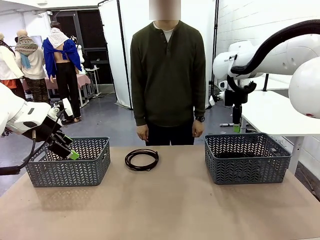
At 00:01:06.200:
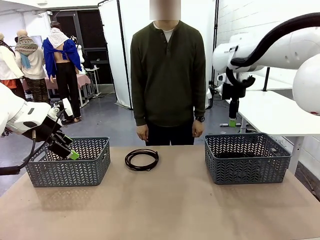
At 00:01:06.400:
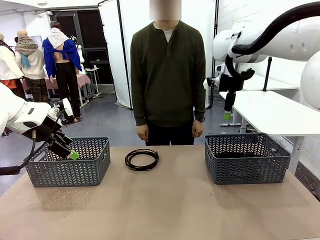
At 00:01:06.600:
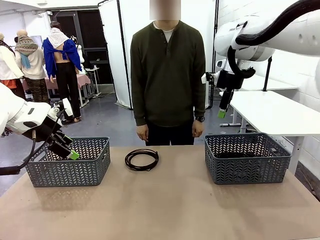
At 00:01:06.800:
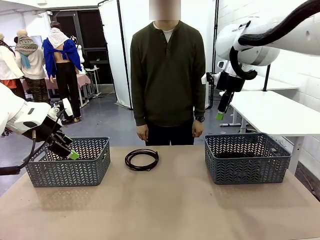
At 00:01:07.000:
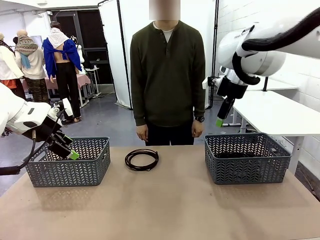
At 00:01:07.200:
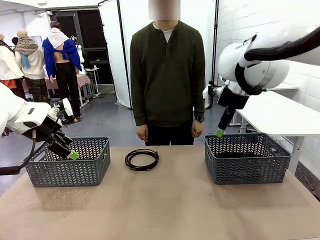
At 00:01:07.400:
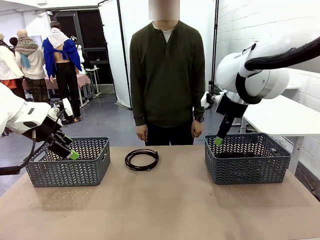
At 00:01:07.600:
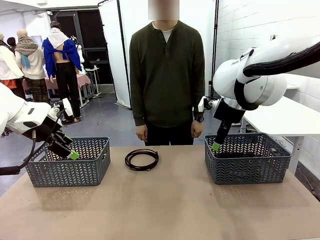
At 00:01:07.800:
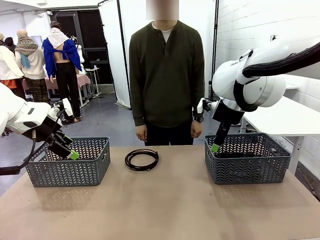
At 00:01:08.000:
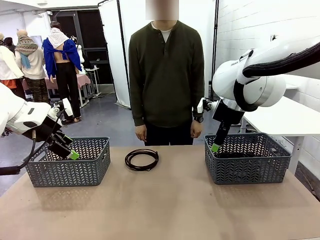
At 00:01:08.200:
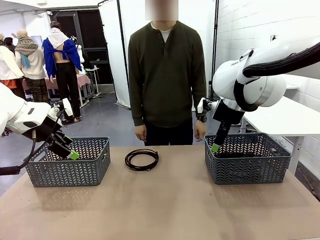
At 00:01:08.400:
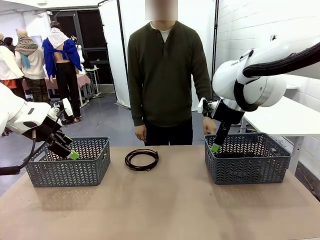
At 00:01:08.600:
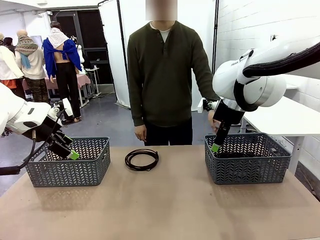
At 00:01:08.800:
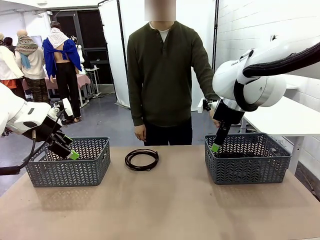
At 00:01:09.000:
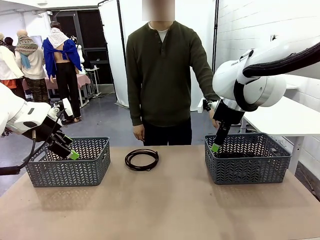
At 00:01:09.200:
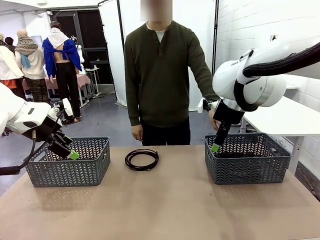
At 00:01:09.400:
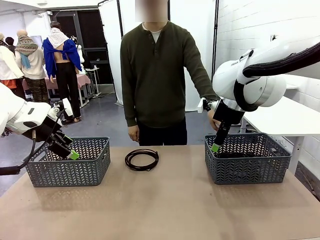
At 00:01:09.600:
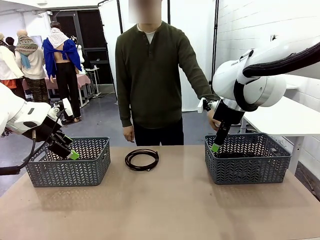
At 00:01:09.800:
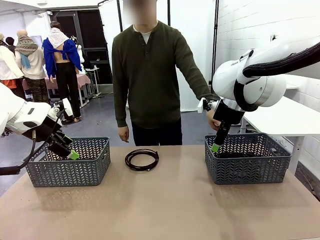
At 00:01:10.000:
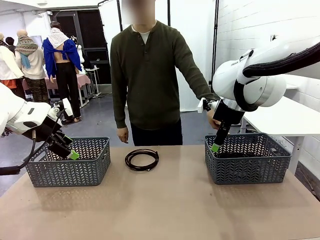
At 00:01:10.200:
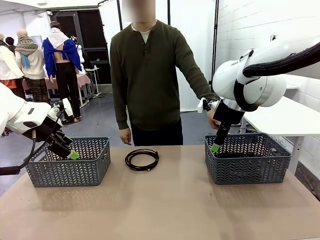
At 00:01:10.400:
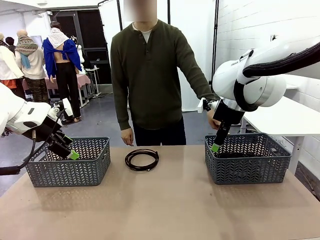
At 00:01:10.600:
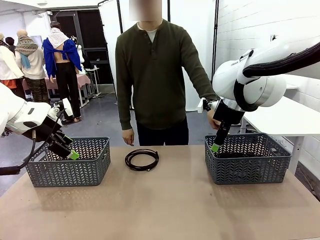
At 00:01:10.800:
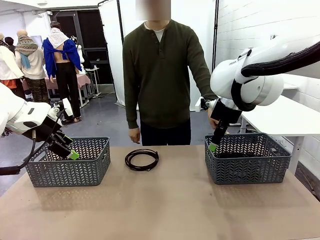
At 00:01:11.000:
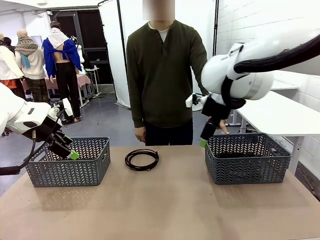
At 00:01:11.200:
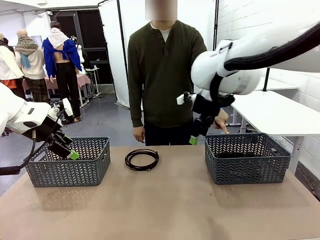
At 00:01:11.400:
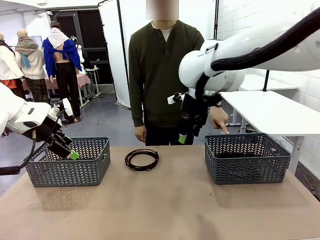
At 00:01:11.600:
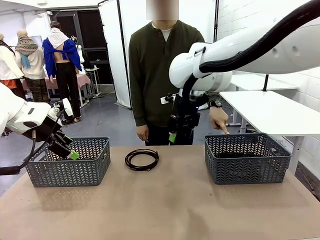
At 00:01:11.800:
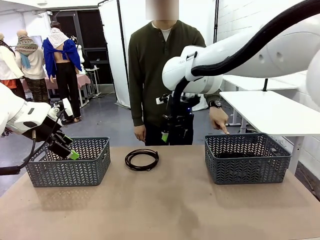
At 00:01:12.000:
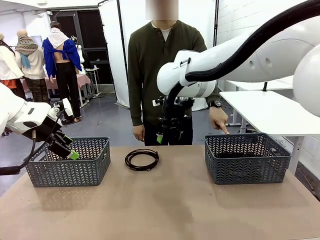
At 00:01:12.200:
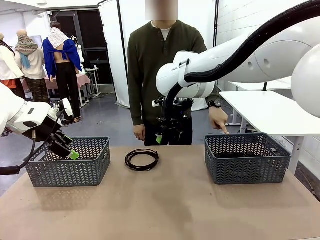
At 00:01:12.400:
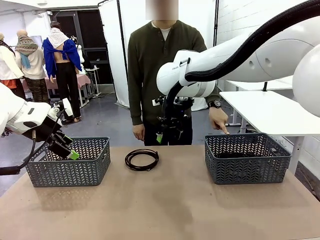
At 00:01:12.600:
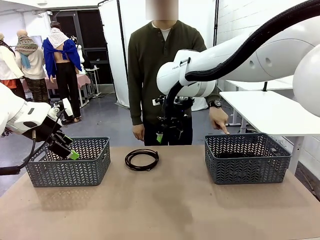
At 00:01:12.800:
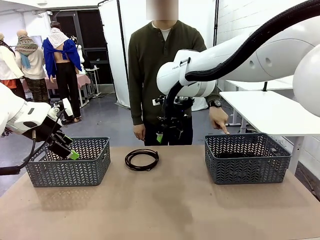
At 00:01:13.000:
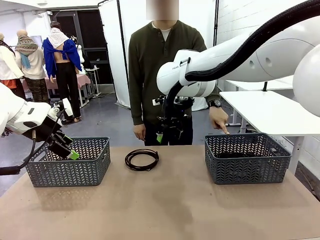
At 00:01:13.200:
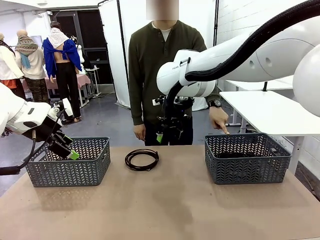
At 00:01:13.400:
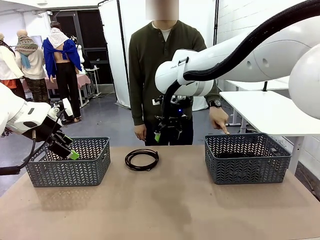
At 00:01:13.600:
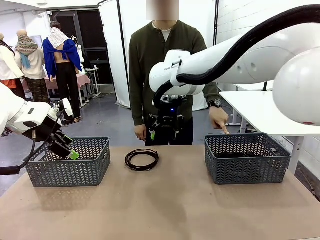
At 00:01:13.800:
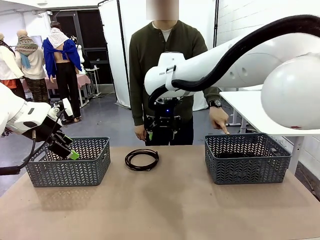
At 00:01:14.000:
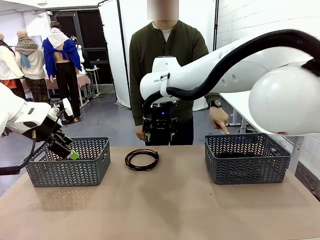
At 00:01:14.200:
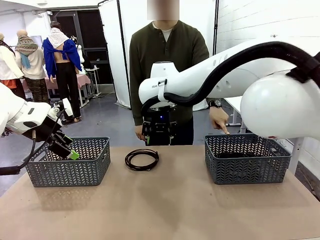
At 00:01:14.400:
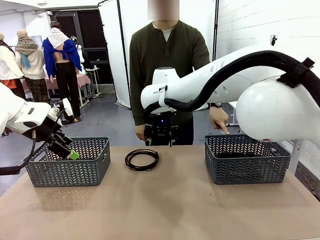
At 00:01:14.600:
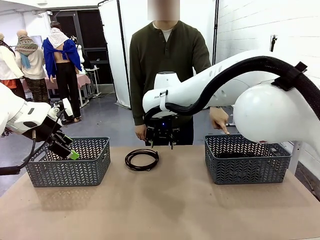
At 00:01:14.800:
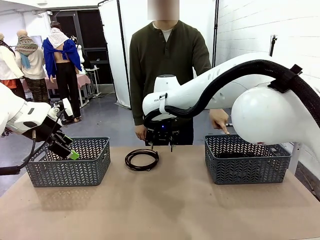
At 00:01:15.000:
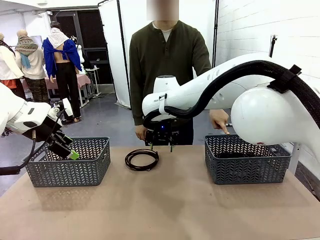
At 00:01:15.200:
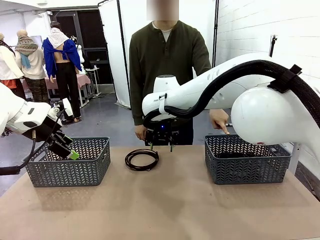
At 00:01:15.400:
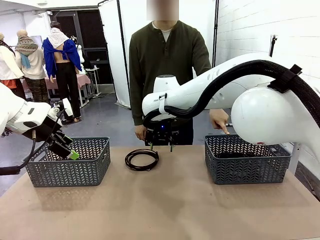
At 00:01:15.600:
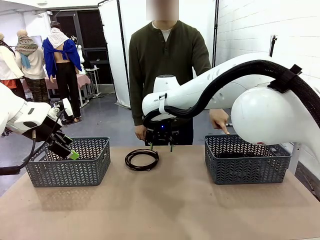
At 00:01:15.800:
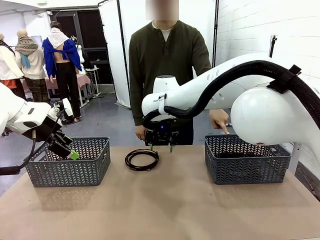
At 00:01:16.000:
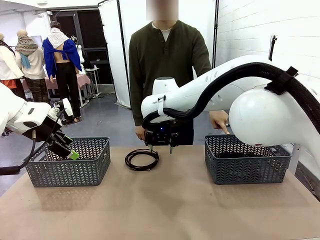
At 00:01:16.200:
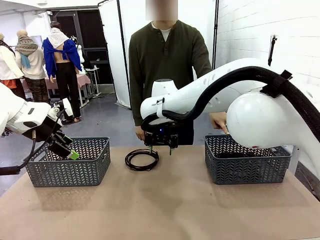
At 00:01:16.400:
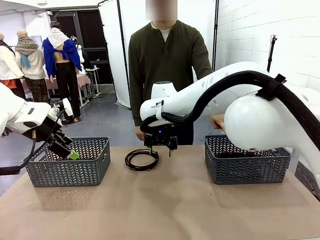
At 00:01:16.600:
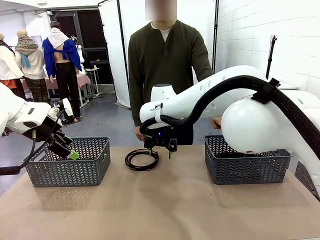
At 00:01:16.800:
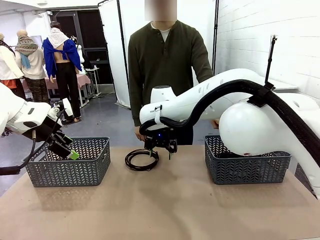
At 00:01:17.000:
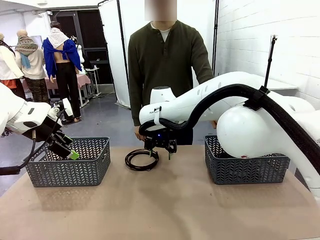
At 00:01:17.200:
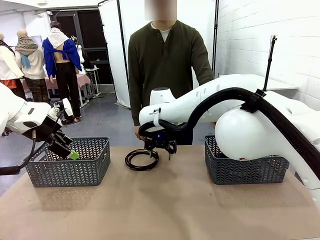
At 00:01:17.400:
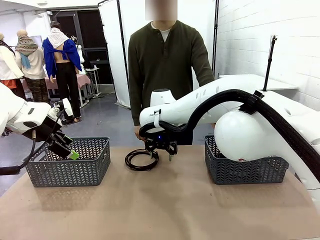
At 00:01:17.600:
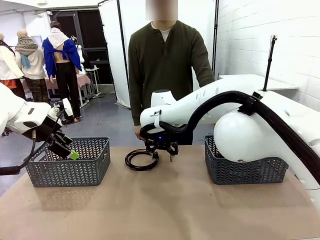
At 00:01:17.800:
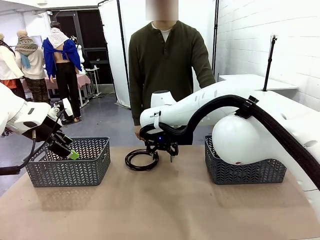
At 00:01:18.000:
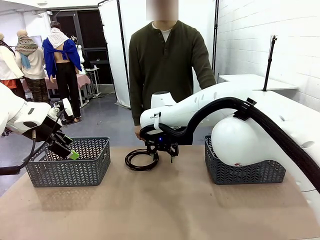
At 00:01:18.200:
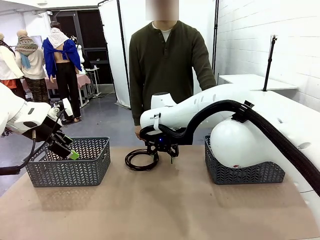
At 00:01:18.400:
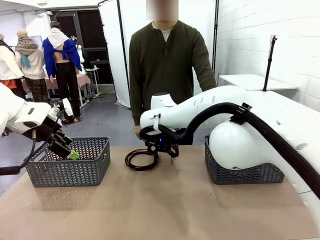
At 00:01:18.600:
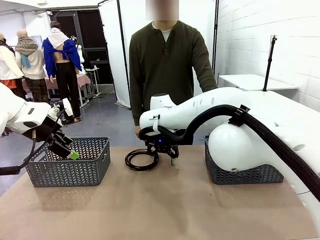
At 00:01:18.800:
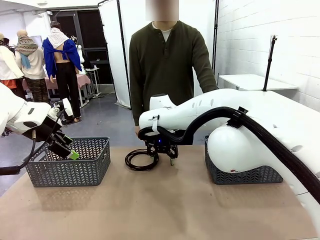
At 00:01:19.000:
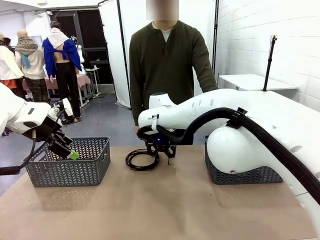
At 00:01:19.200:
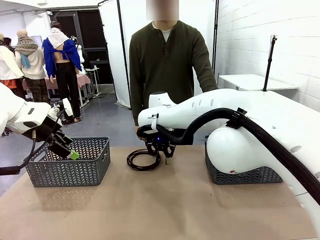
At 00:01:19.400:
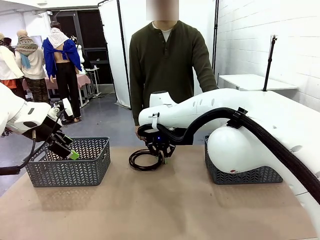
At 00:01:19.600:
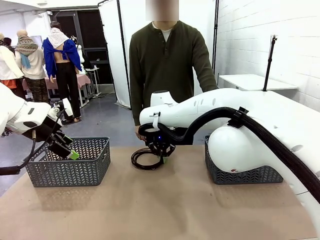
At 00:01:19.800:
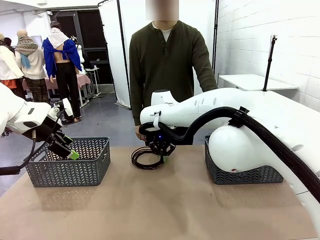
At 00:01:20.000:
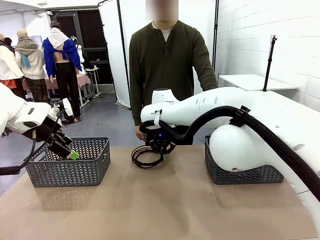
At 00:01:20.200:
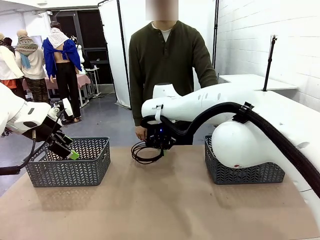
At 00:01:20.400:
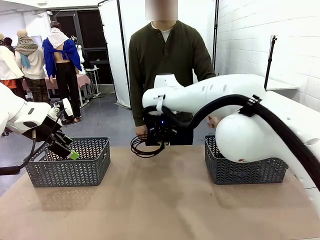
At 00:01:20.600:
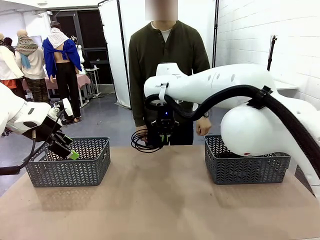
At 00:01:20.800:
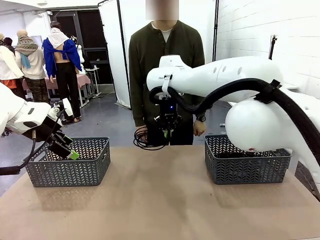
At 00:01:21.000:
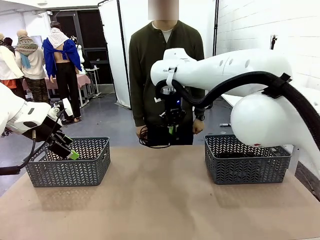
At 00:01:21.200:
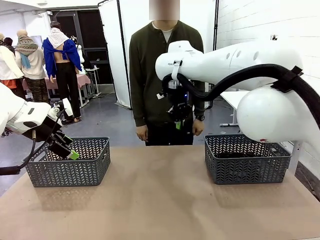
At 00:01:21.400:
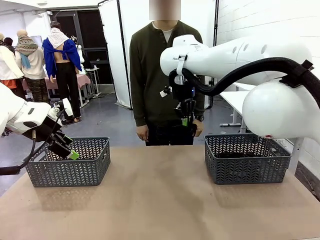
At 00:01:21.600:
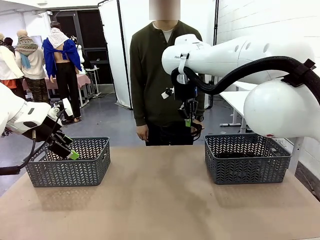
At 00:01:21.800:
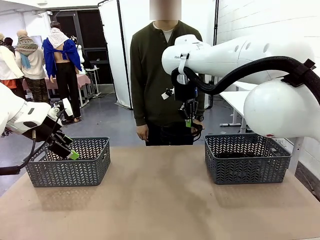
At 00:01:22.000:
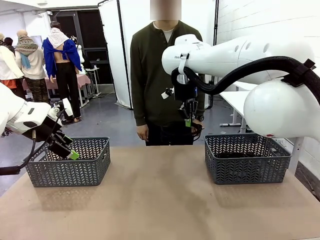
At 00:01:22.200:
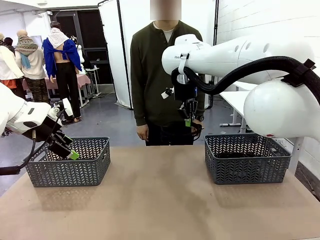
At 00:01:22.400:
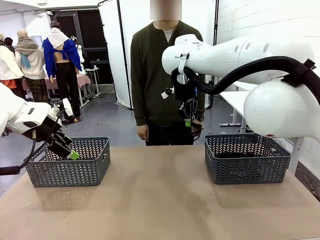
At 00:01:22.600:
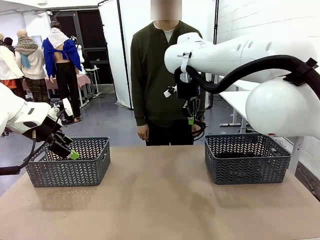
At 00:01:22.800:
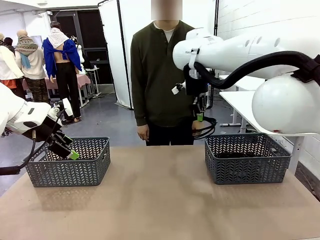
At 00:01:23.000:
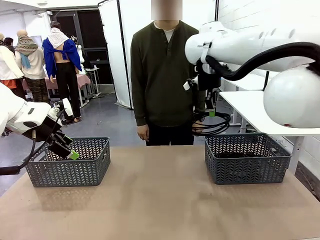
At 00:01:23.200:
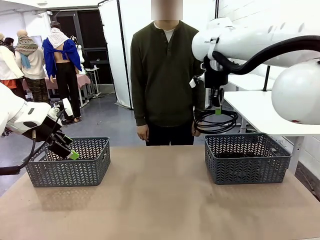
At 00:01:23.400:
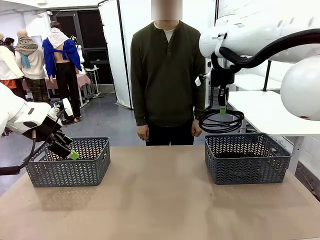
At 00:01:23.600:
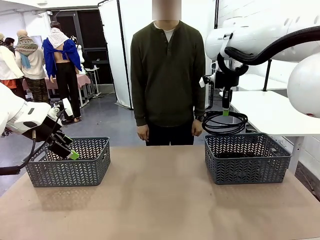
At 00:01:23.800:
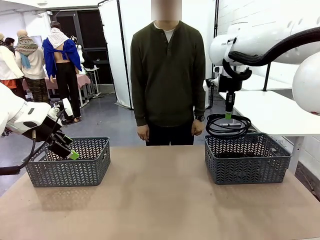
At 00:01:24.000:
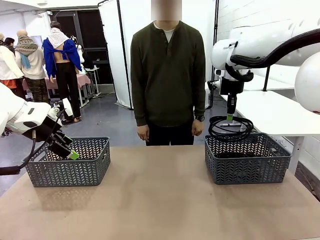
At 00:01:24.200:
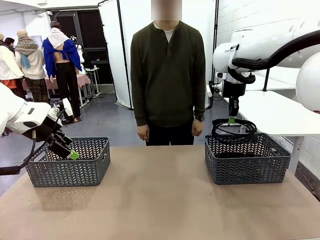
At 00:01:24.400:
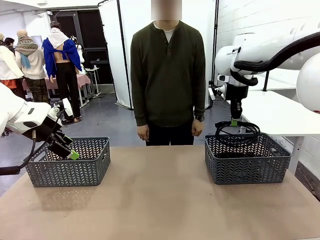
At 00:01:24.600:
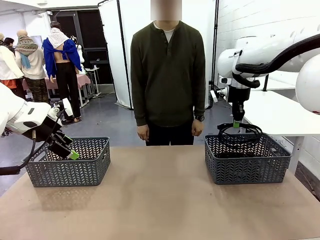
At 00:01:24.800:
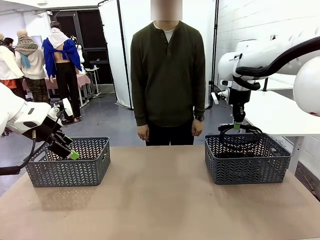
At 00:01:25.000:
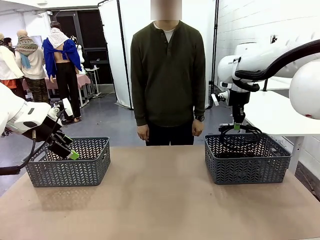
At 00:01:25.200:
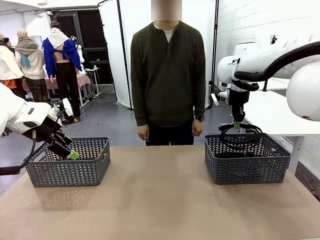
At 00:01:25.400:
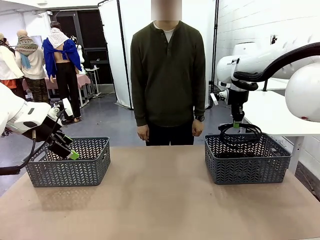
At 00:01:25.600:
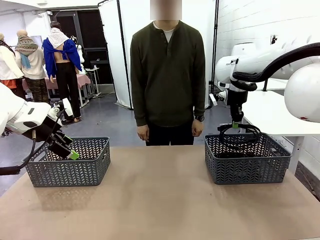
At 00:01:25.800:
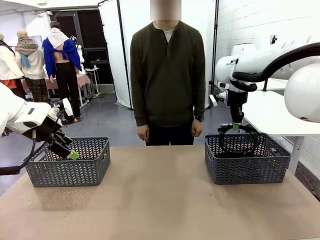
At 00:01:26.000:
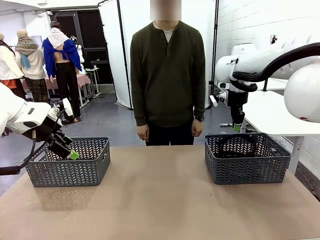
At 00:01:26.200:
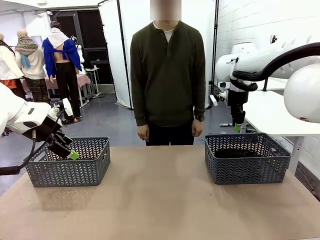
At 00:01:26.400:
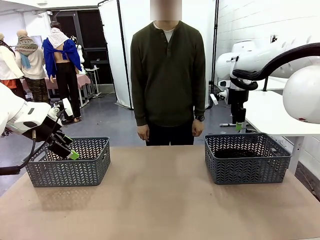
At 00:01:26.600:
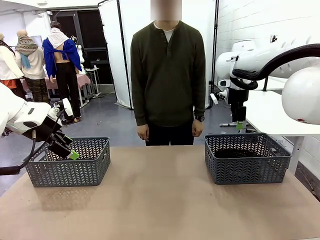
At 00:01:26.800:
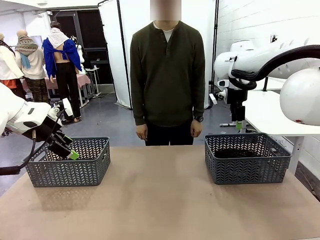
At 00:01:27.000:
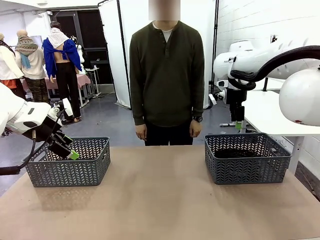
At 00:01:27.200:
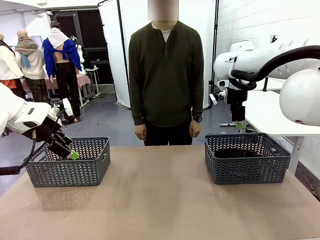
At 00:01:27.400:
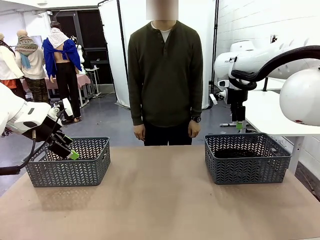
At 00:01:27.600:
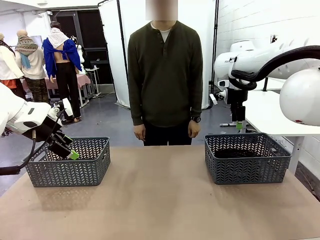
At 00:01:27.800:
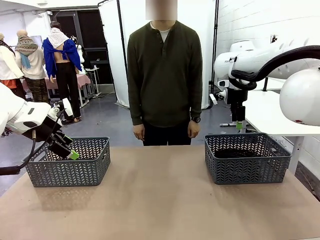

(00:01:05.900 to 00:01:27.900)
Task: Organize the cables according to human instructions.
Robot: Pick up a bundle of cables and place it in the basket indicated by the human.
